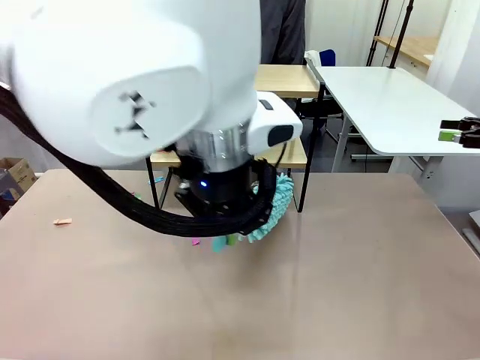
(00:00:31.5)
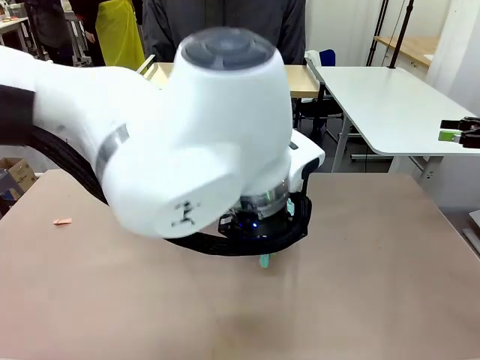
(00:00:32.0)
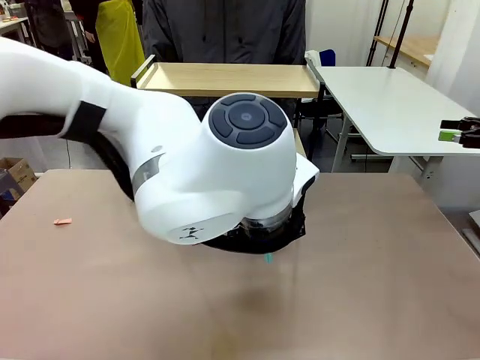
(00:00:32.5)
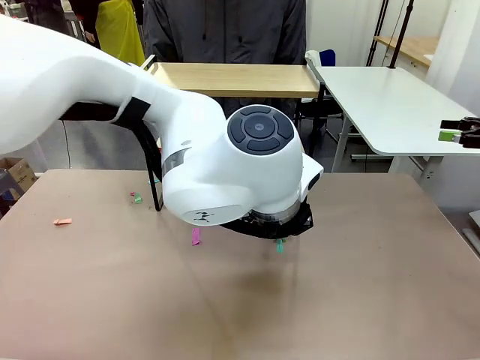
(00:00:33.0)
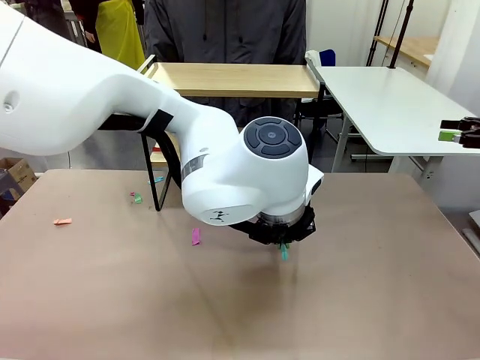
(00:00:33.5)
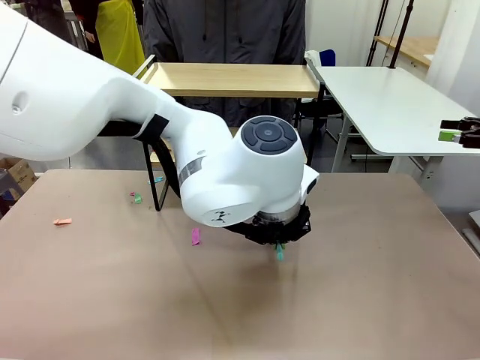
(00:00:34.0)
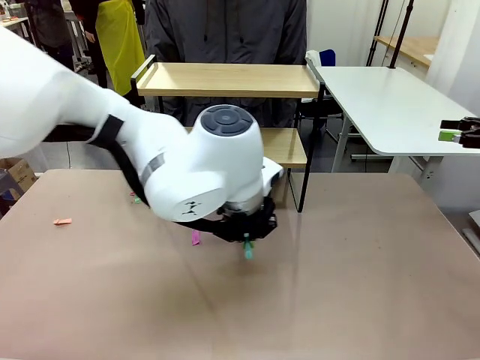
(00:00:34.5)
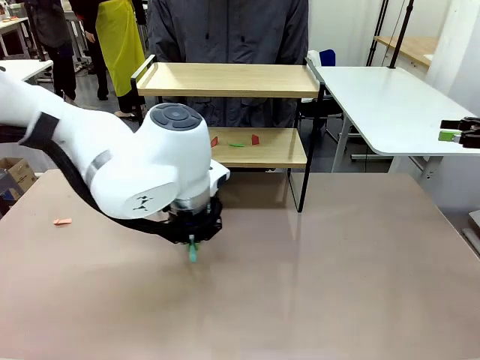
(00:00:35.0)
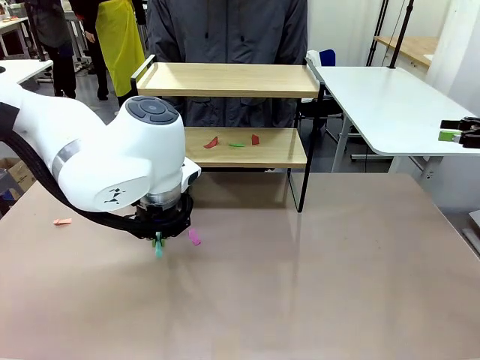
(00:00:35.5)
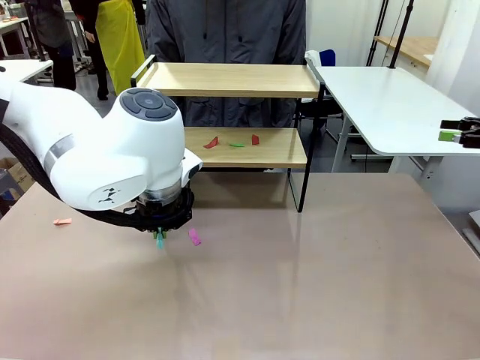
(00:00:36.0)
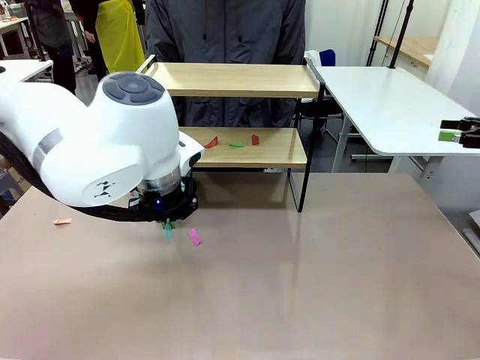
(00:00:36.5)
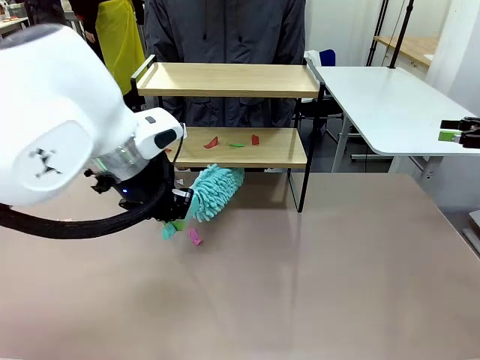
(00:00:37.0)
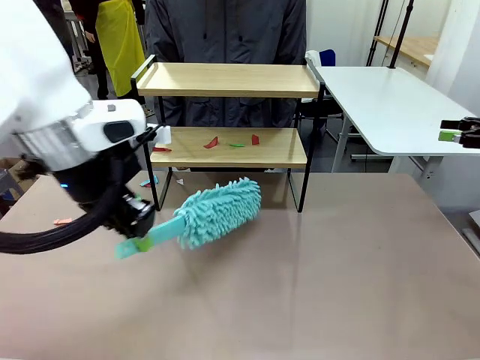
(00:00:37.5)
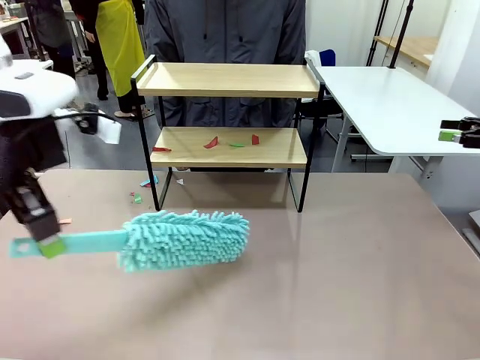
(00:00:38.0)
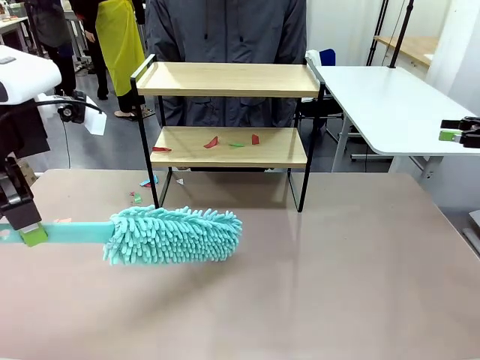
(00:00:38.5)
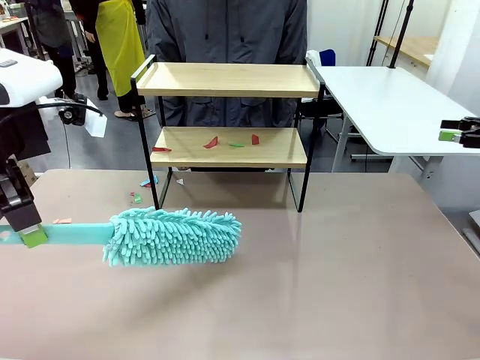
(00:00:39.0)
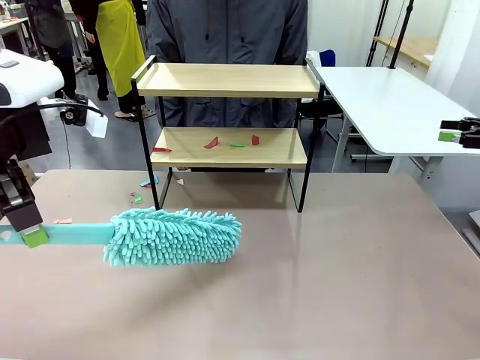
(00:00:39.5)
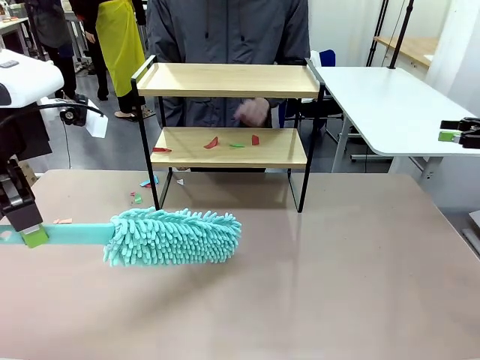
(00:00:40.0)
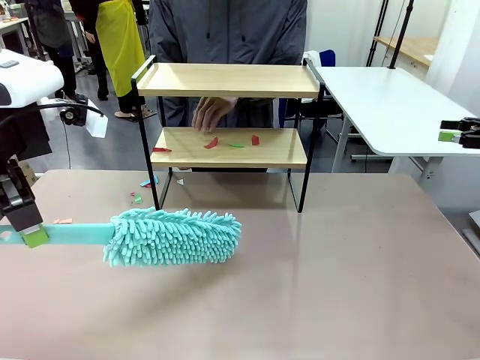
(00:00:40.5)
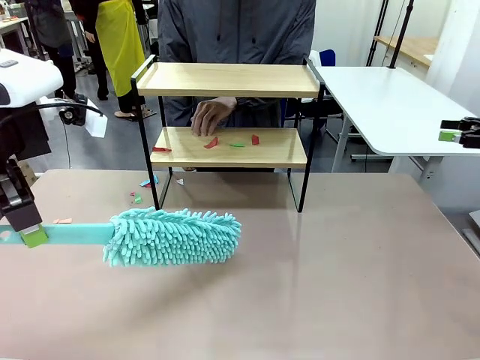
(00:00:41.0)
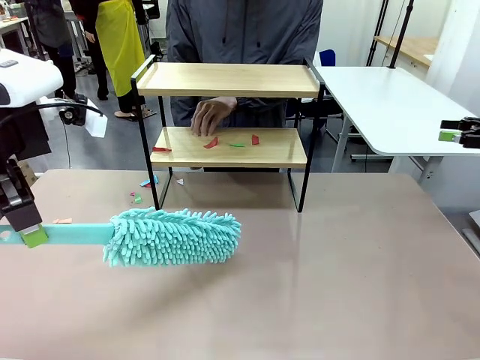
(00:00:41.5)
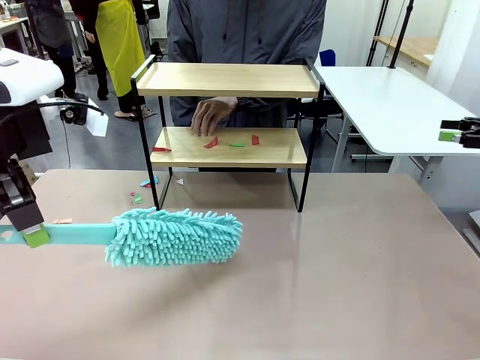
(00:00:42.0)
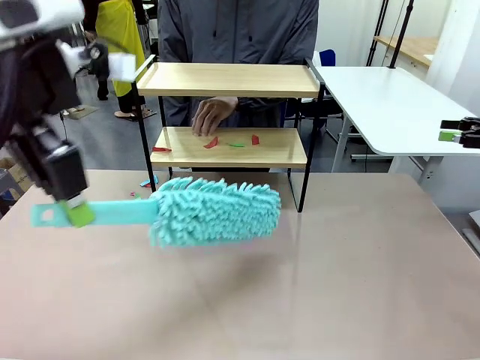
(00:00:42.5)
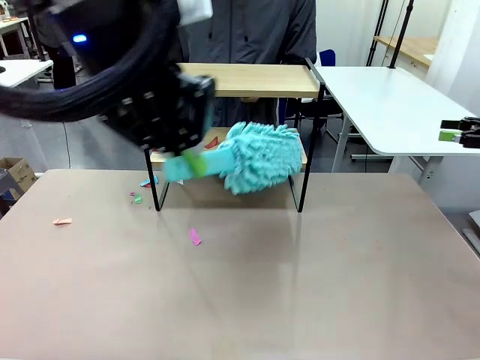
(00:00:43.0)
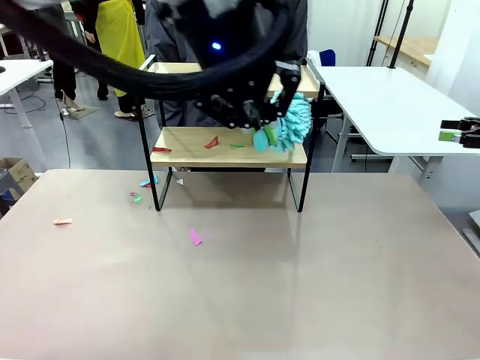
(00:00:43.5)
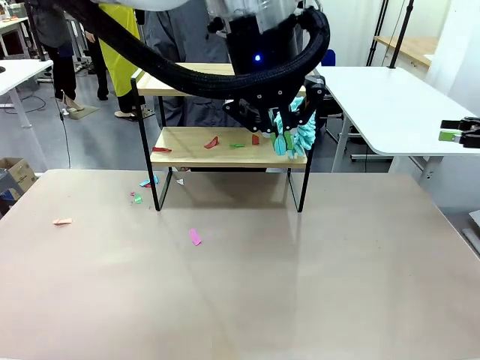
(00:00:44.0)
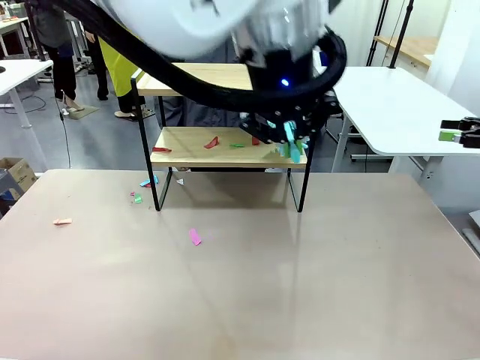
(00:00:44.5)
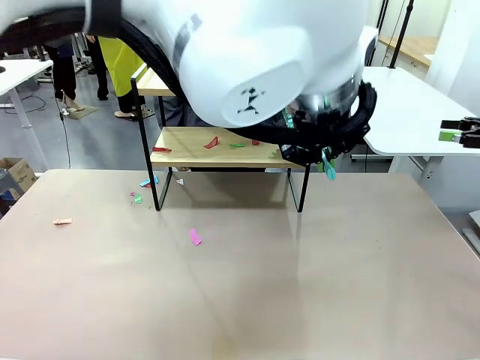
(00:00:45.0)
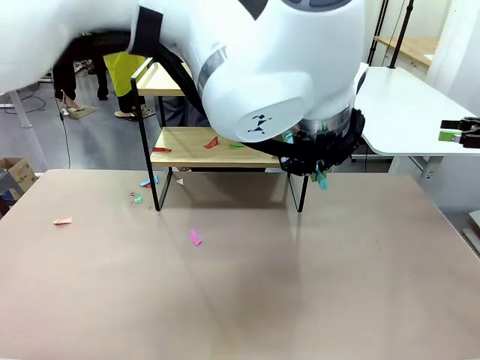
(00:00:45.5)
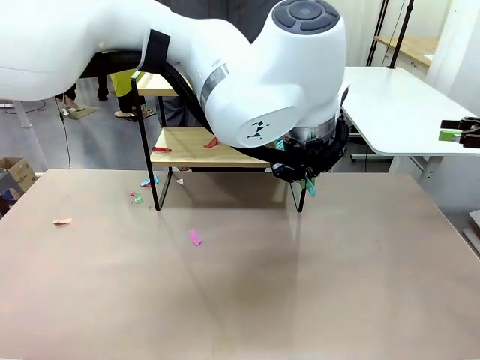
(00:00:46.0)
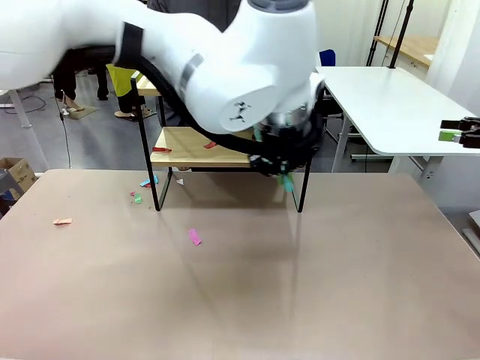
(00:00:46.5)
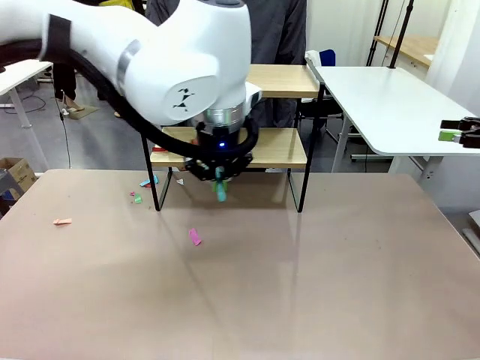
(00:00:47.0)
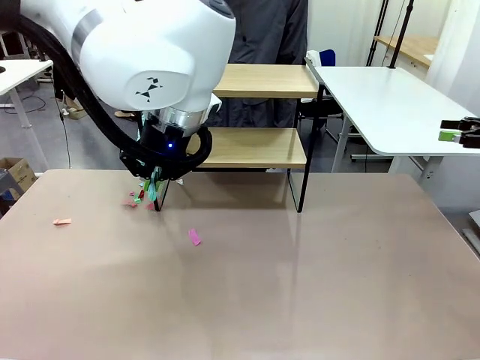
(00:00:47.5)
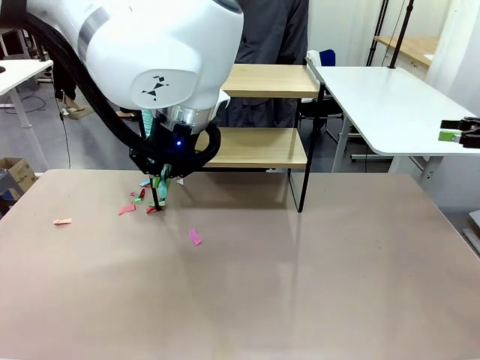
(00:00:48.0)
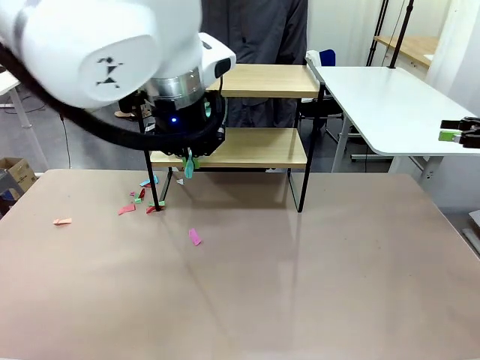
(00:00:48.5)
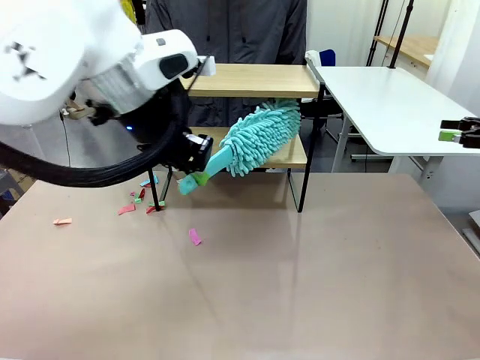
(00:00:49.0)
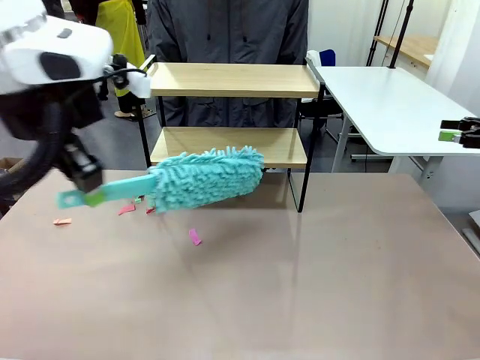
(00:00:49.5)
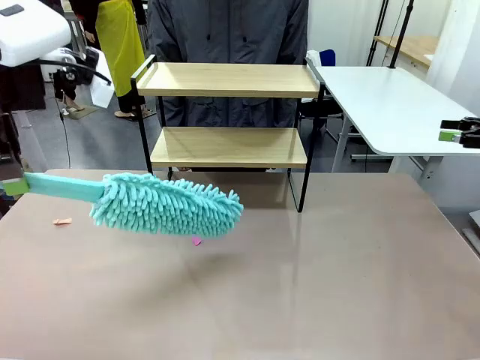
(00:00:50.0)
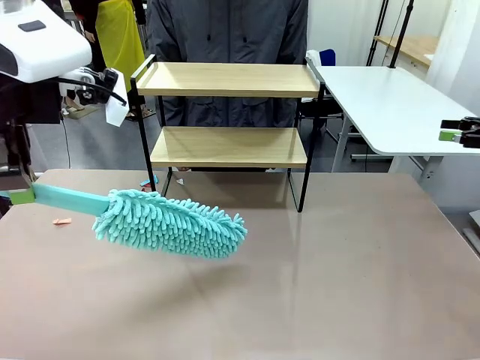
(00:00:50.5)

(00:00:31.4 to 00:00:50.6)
Task: Clean the shelf.
Robot: Clean the specific section of the Shelf indicated by the human with the Duster.
Person: Point a remaining section of the Shelf.
